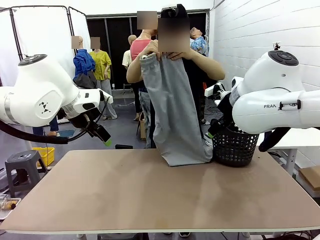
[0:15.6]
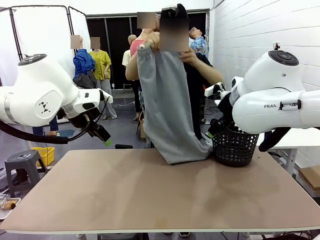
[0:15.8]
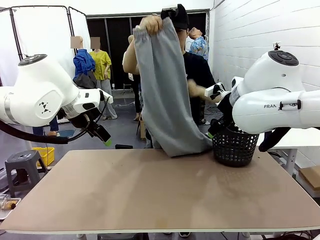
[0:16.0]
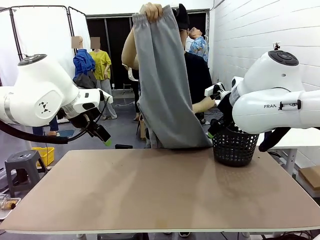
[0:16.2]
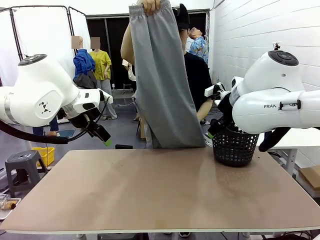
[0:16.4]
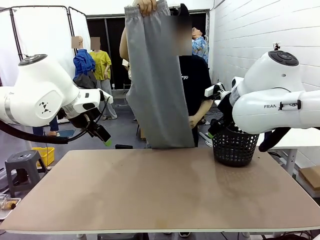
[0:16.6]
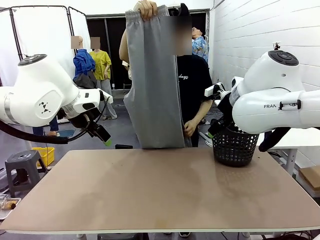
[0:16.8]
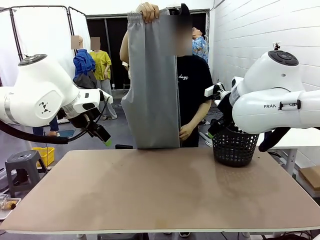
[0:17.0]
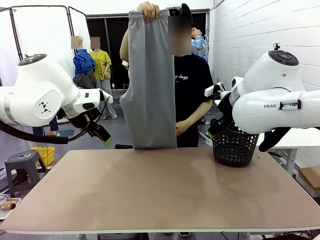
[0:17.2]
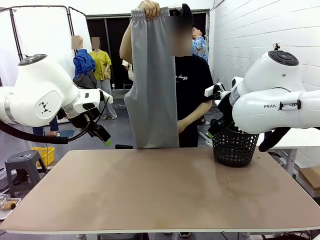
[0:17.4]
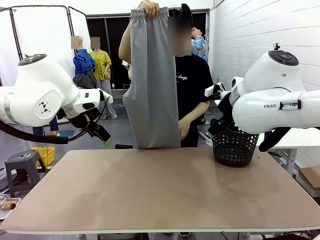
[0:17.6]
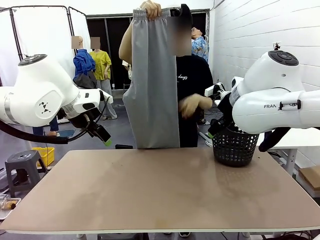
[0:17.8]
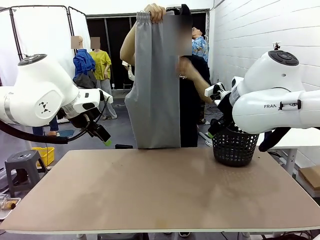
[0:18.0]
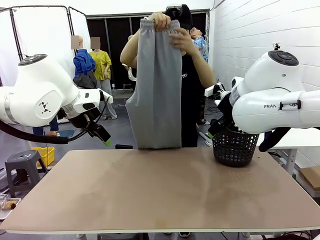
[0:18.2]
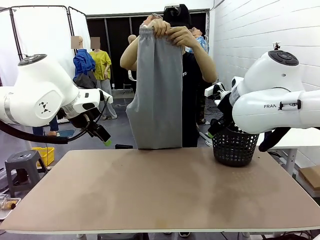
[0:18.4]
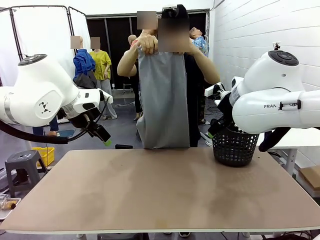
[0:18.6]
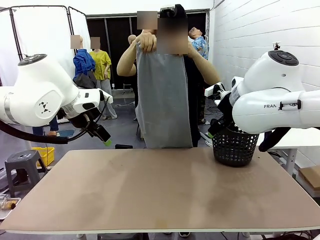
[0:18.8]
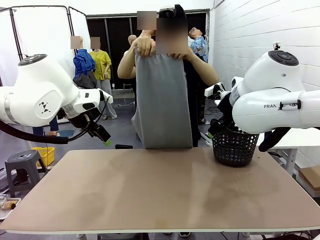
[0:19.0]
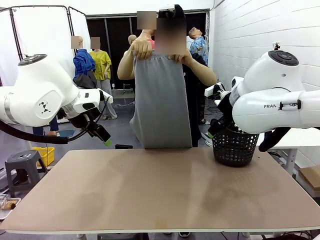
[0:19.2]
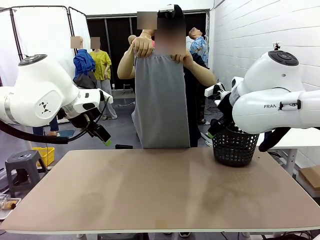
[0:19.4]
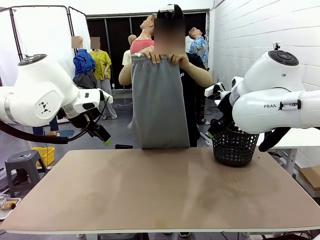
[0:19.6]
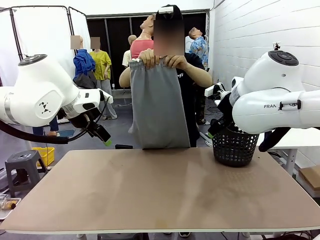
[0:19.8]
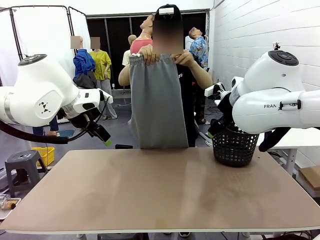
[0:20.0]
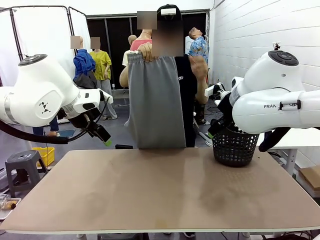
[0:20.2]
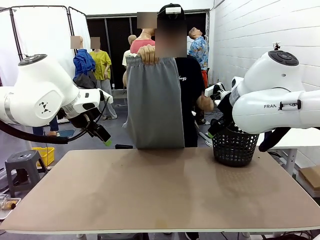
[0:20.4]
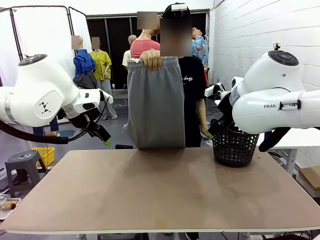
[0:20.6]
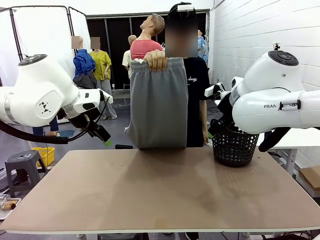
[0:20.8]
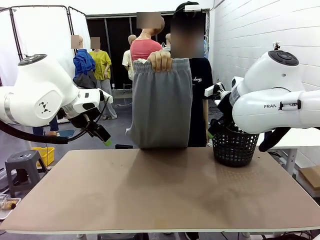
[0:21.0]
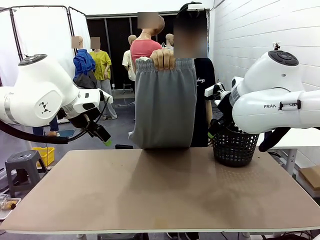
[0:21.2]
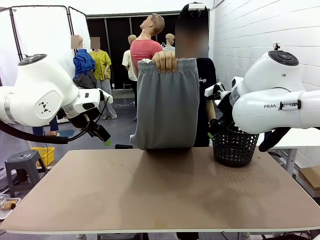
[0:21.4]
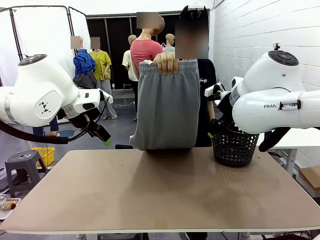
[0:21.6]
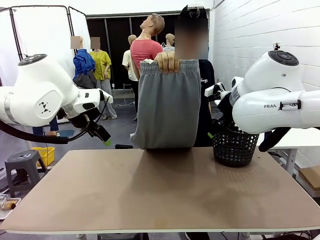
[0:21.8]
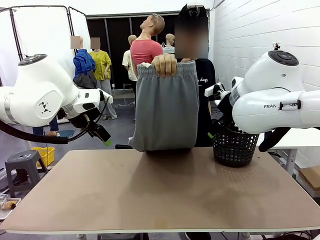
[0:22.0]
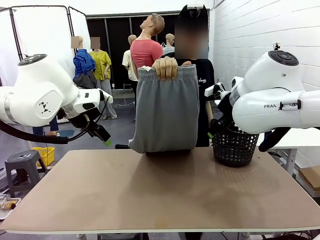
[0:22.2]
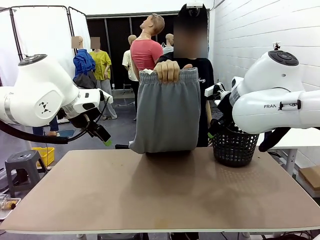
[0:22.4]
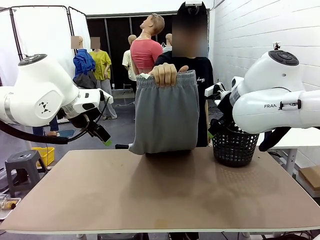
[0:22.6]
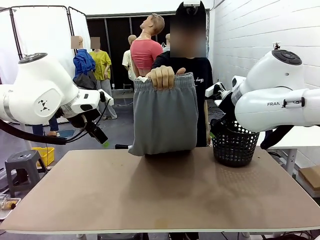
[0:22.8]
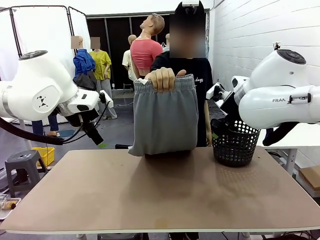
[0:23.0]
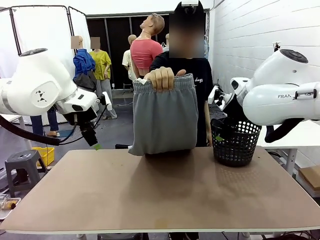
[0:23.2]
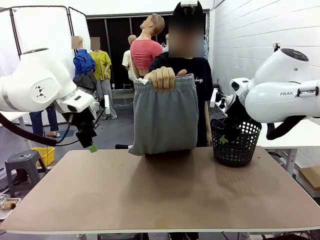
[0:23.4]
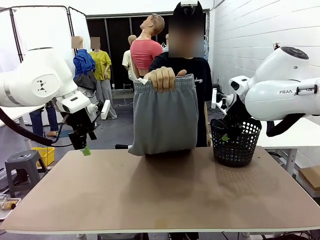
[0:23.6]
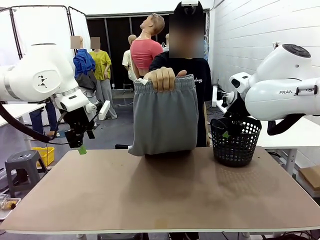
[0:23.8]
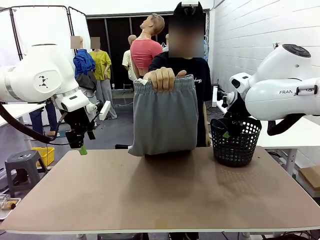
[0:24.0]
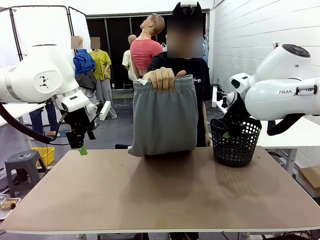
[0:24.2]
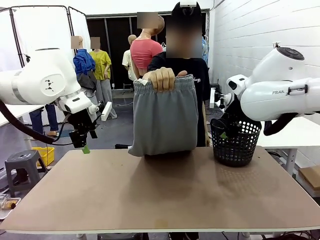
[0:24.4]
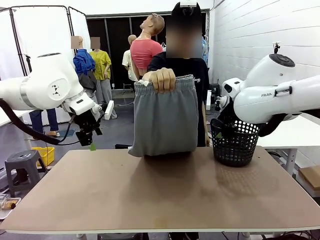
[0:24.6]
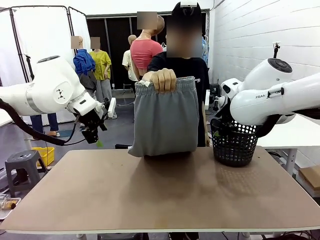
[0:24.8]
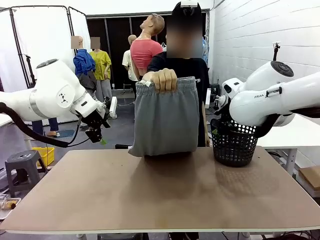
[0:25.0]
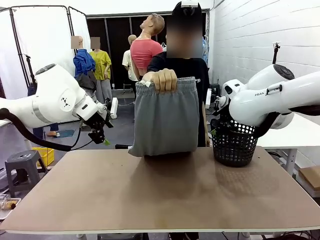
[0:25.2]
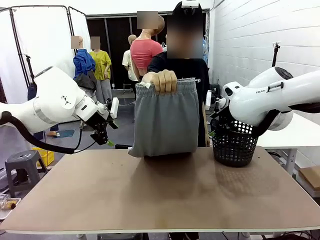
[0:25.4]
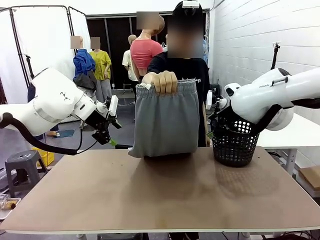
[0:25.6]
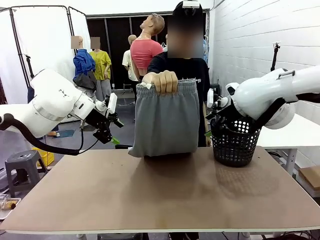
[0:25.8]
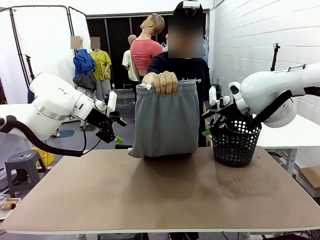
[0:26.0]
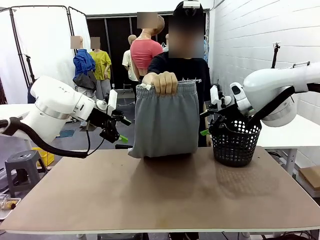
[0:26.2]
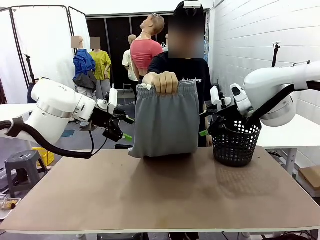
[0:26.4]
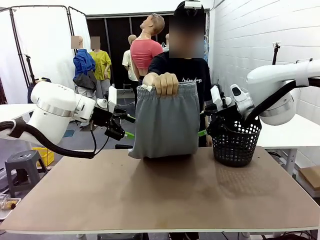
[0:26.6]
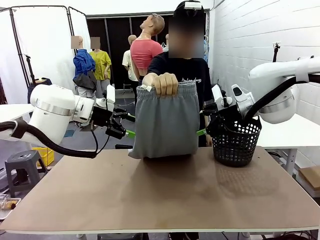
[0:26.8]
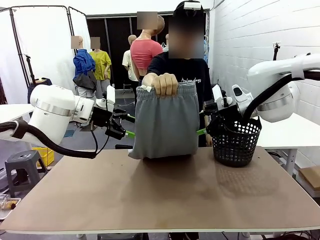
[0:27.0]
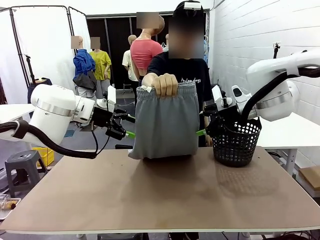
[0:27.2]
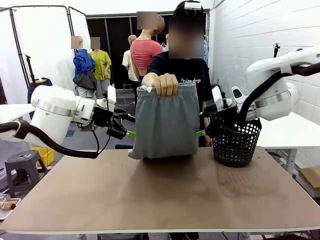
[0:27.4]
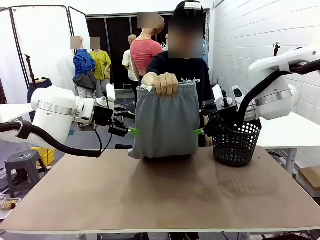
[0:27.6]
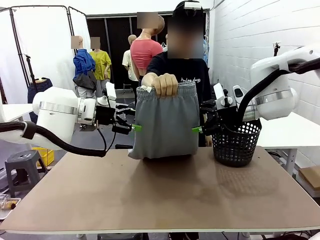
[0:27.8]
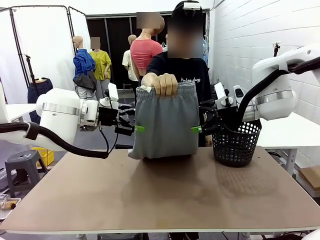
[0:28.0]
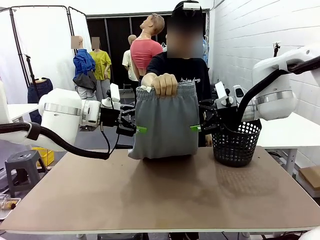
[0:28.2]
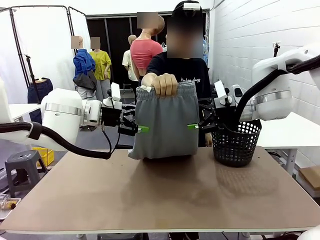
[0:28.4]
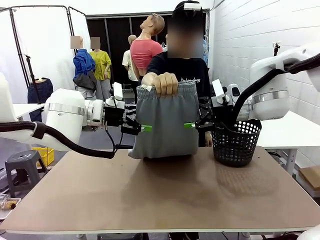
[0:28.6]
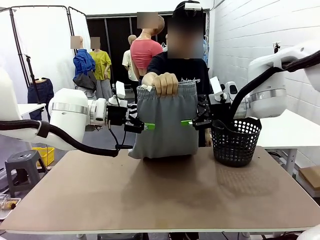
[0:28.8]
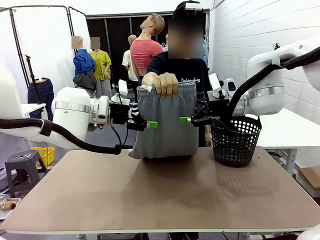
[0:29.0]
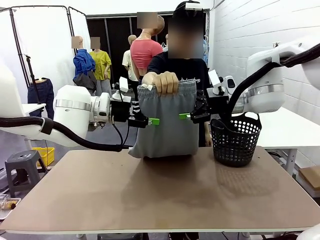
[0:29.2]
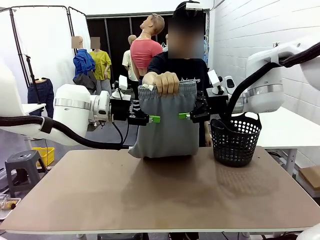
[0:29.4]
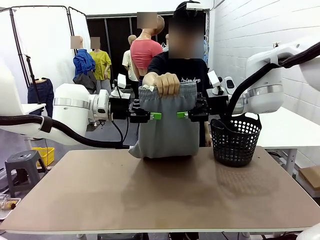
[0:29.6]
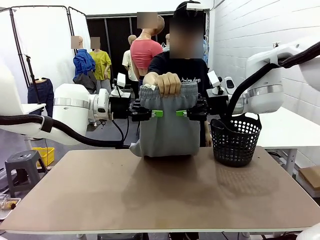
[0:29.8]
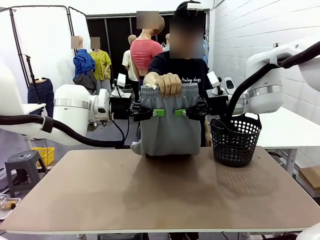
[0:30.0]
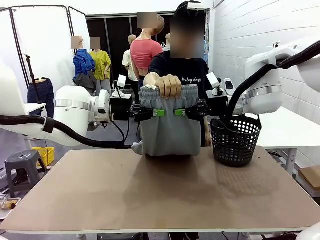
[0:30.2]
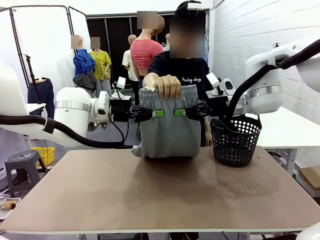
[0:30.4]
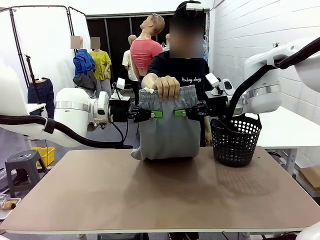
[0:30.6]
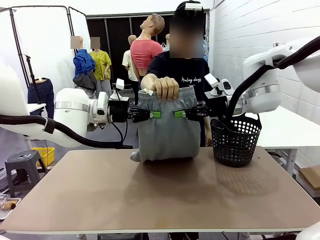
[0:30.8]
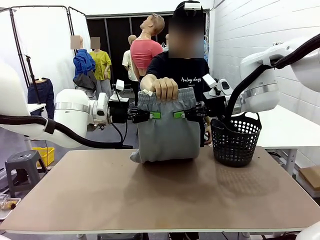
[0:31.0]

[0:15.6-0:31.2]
Task: Fold the training pants.
Robot: Grab both ends of the Training pants handed by a person.
